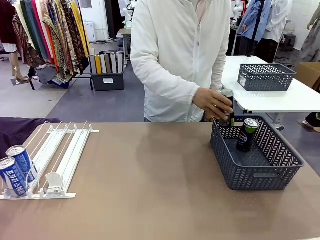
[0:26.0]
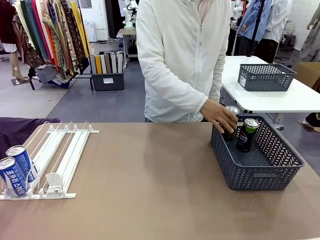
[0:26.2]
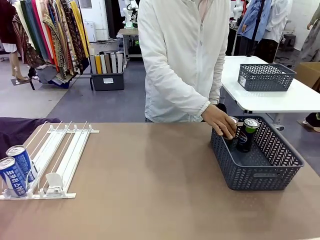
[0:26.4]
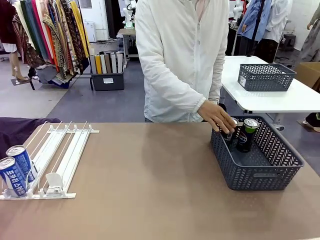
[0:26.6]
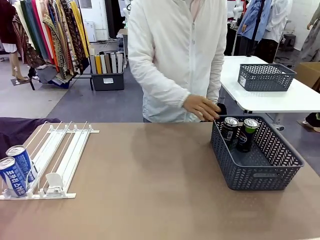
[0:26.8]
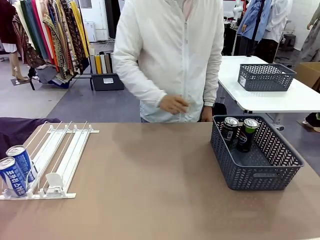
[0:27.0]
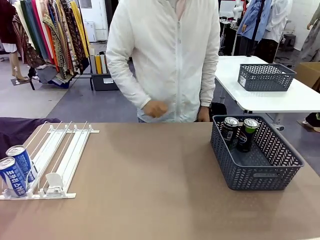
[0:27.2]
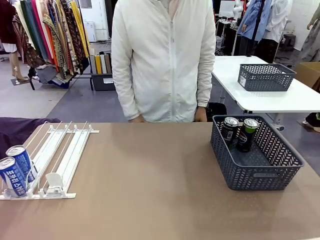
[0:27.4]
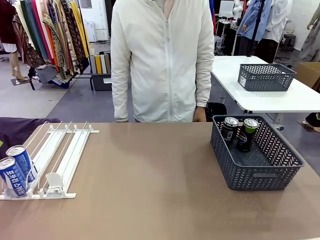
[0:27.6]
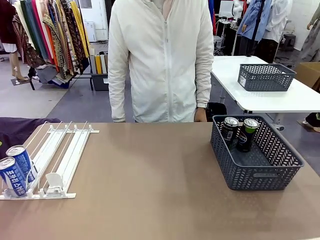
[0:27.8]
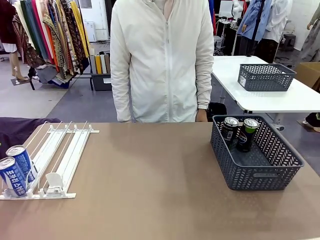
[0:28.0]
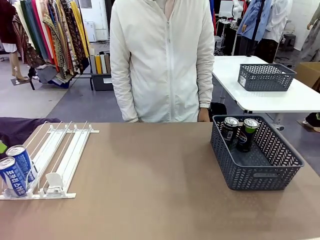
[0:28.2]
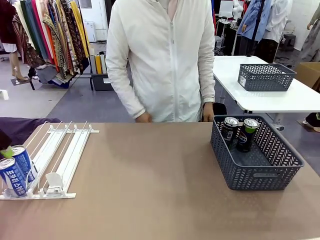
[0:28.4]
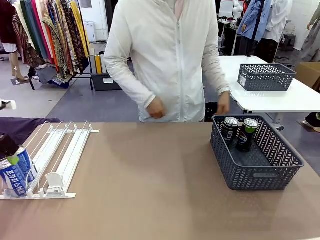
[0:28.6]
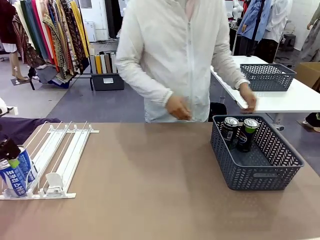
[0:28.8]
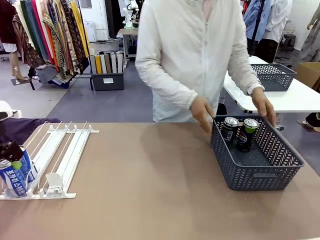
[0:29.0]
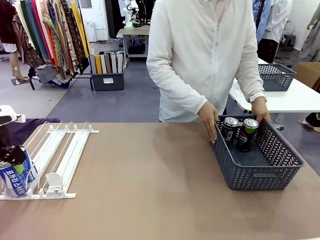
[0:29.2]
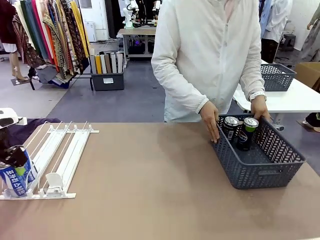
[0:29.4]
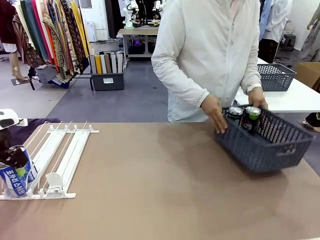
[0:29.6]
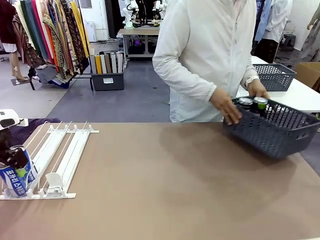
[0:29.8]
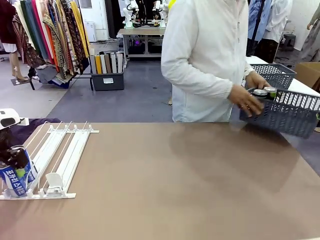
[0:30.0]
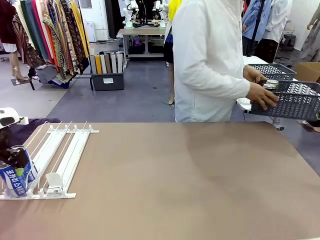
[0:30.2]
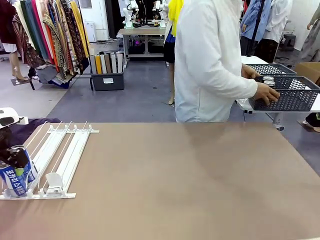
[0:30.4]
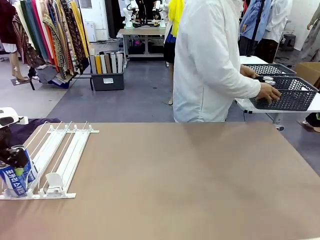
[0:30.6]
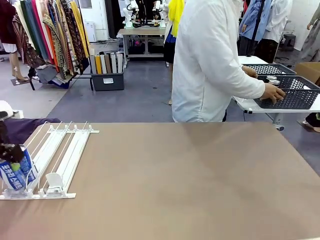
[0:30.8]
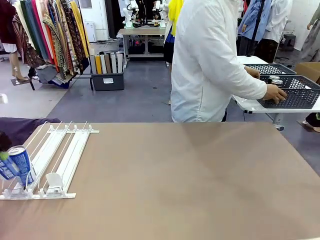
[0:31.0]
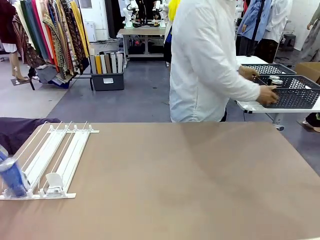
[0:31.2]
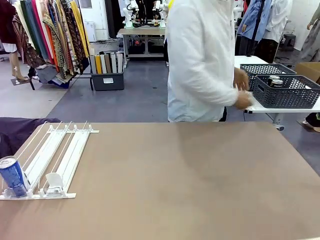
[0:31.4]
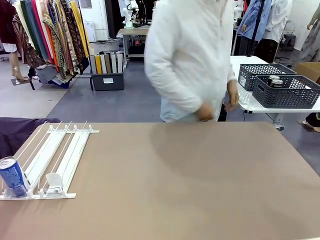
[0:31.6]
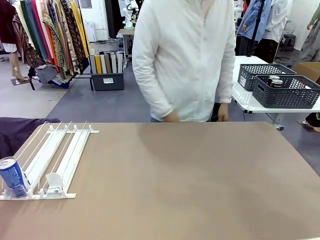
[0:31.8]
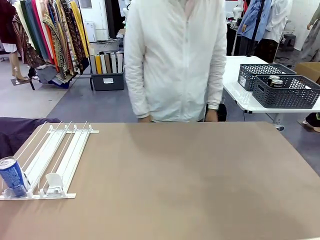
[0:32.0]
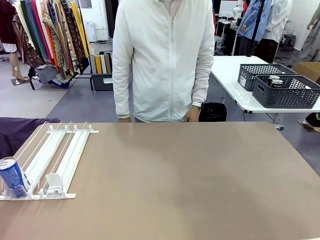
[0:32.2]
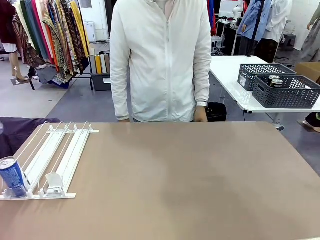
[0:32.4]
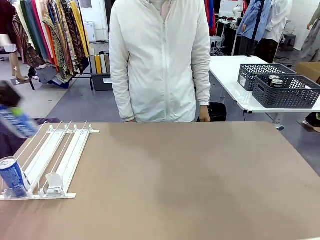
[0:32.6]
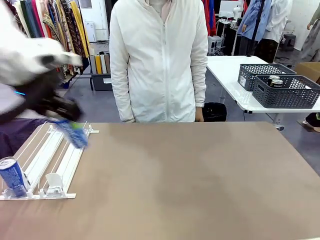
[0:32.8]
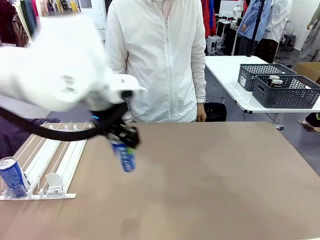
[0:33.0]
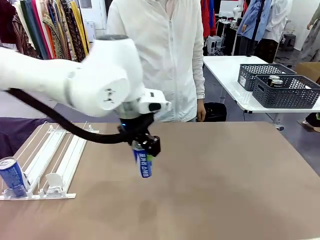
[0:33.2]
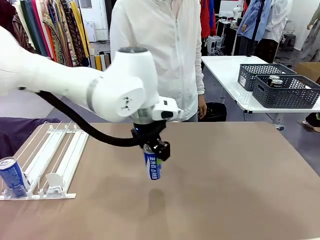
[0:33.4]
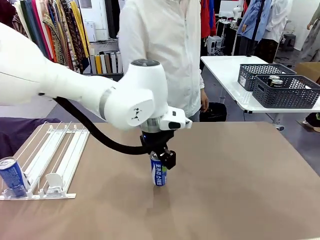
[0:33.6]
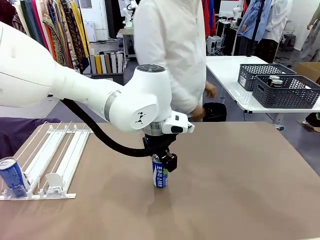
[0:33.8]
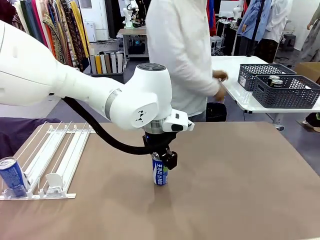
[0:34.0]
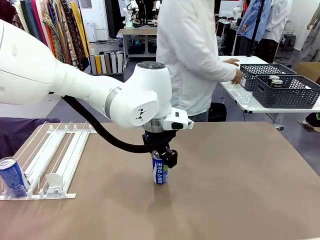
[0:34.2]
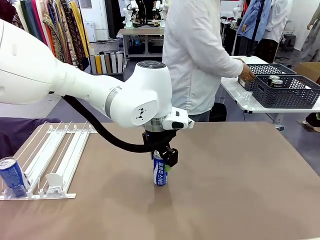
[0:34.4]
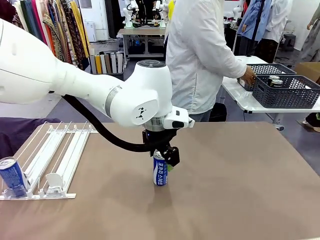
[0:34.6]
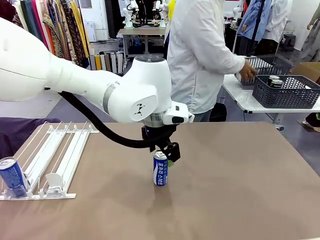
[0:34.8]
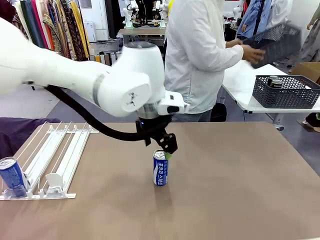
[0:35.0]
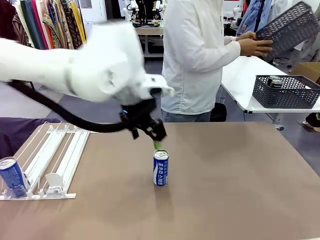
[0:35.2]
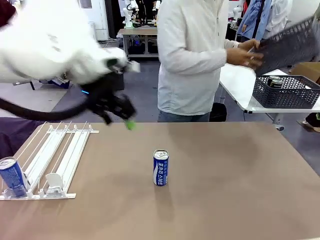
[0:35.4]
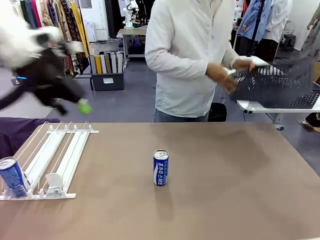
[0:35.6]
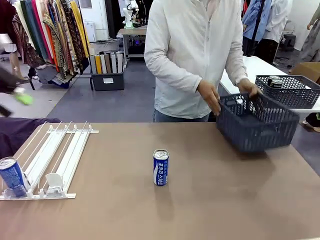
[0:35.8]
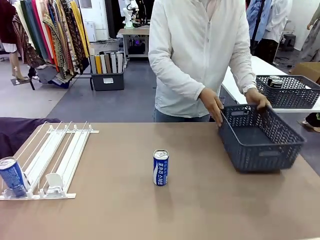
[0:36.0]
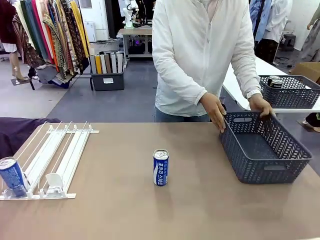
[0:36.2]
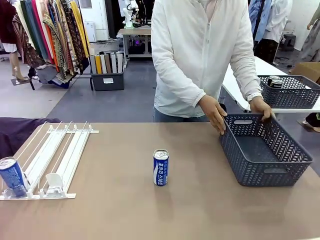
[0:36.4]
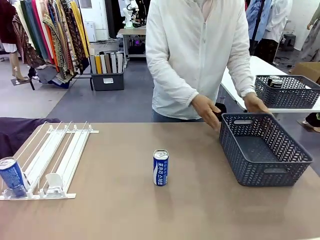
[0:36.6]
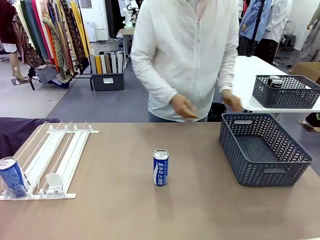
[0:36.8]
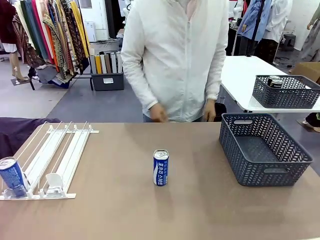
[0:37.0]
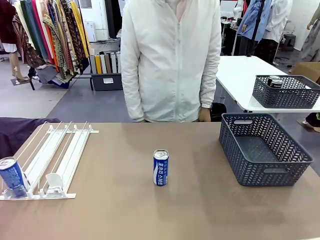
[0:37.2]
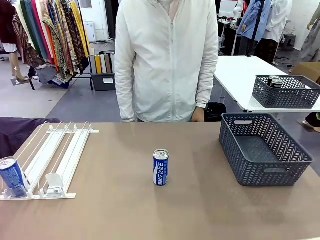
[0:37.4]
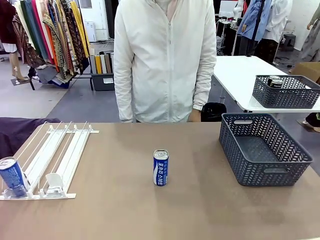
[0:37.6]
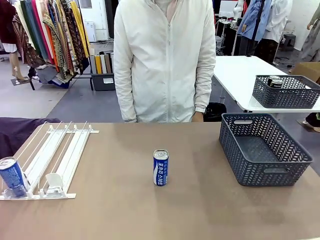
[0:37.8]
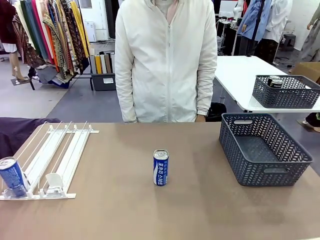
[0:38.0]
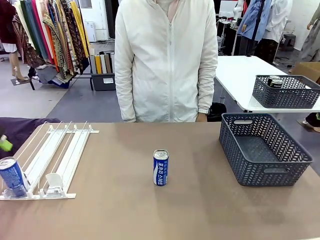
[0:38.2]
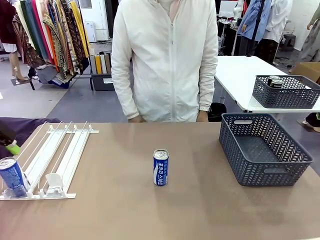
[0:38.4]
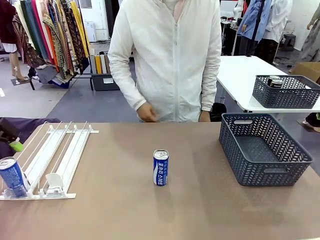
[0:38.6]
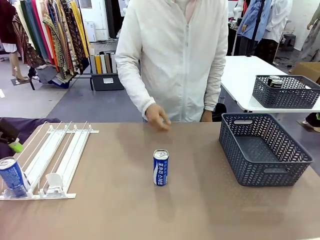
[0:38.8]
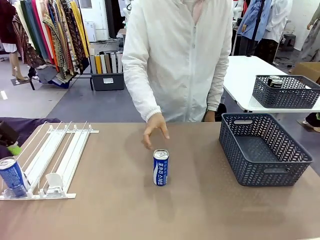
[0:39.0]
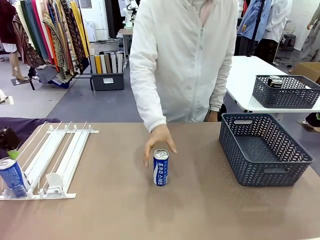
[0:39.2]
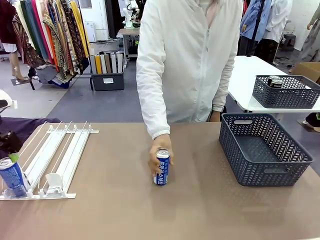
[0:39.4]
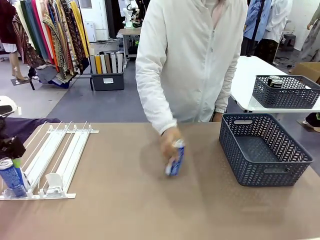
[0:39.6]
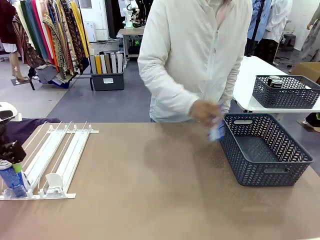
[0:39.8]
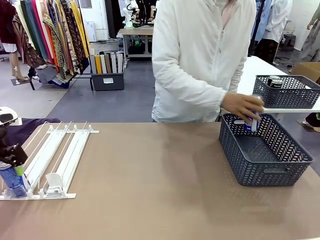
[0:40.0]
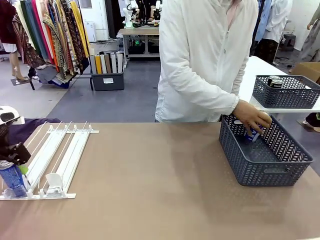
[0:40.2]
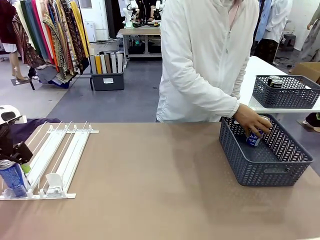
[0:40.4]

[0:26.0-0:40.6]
Task: Retrieve and store the cans from the dispenser.
Robot: Pick up one can from the Automatic Can Dispenser and place it in the middle of the table.
Person: Pick up the basket and place it in the middle of the human table. Pick up the empty basket and place it on the left side of the robot table.

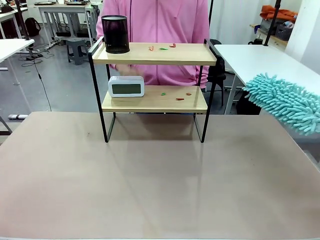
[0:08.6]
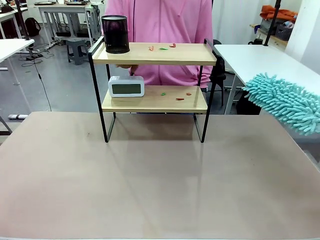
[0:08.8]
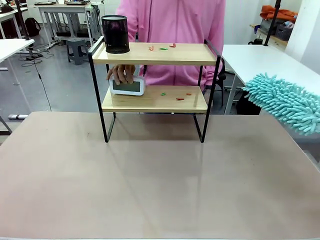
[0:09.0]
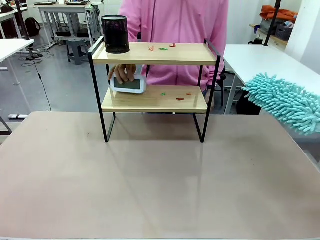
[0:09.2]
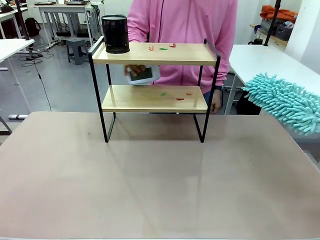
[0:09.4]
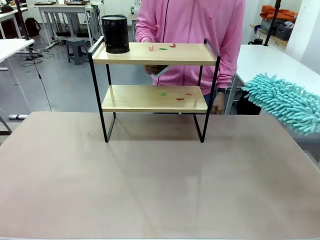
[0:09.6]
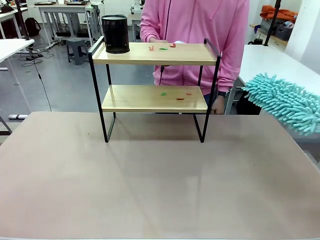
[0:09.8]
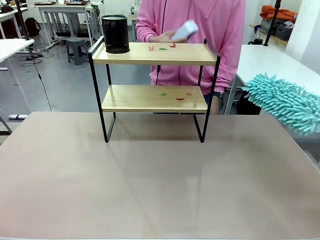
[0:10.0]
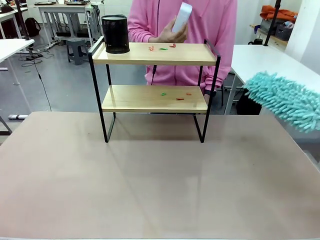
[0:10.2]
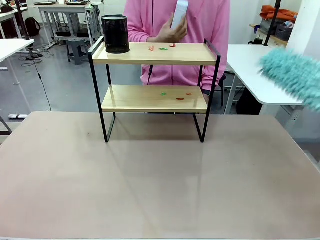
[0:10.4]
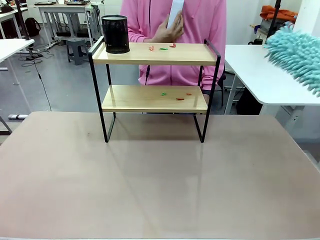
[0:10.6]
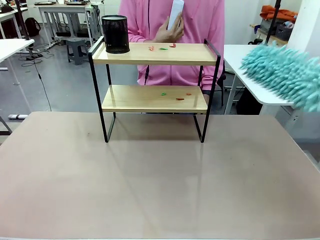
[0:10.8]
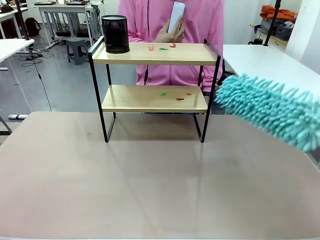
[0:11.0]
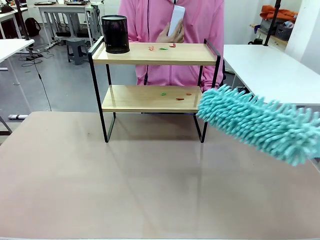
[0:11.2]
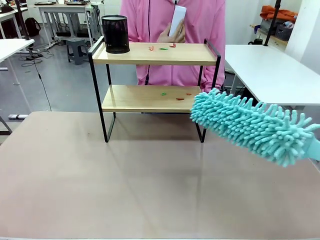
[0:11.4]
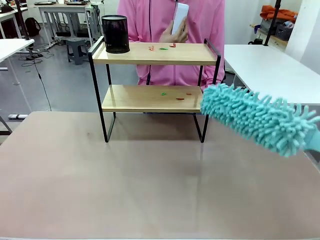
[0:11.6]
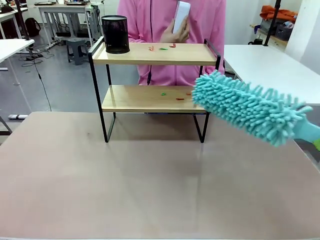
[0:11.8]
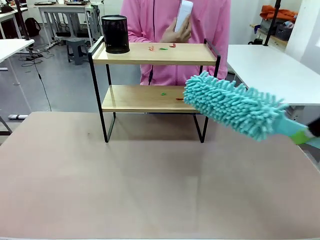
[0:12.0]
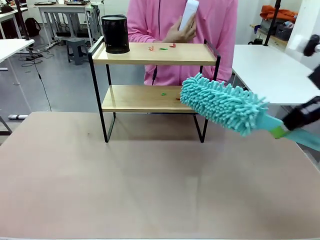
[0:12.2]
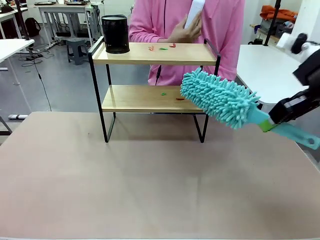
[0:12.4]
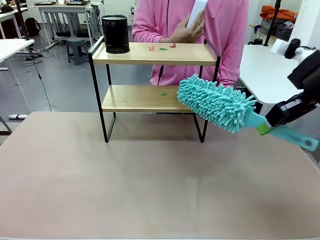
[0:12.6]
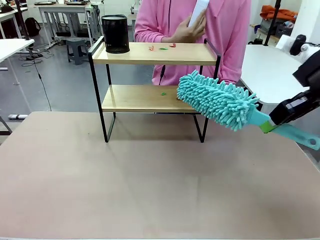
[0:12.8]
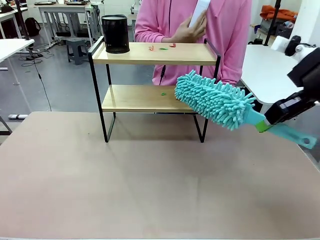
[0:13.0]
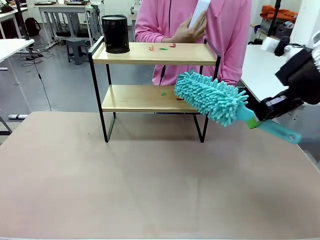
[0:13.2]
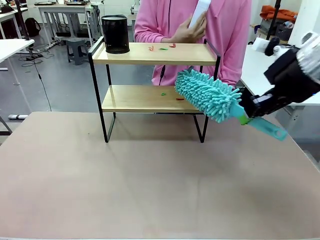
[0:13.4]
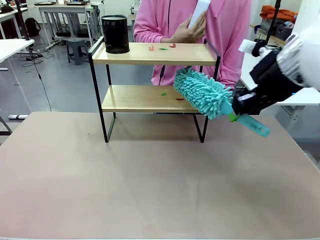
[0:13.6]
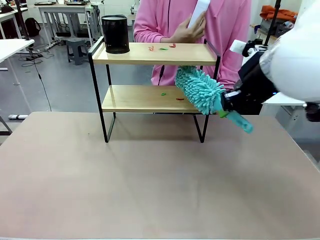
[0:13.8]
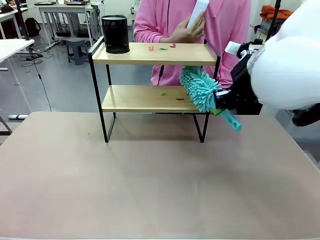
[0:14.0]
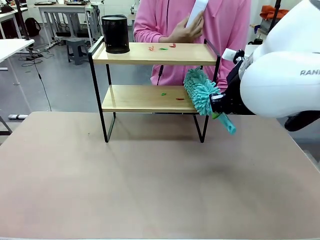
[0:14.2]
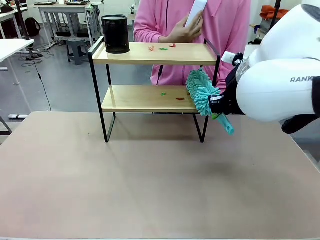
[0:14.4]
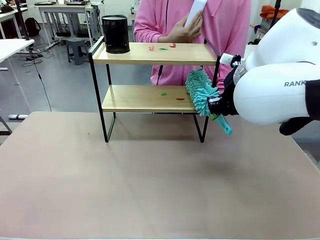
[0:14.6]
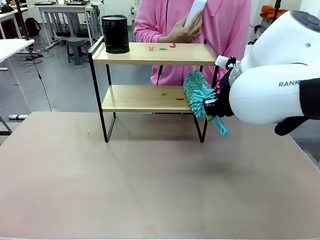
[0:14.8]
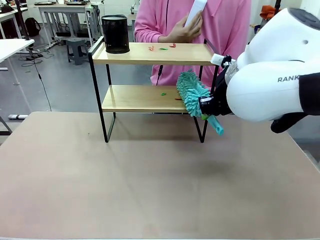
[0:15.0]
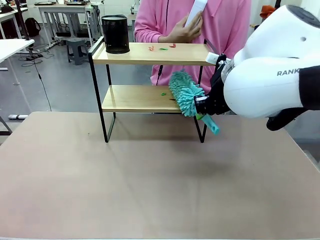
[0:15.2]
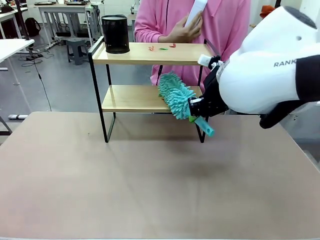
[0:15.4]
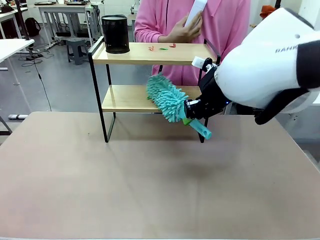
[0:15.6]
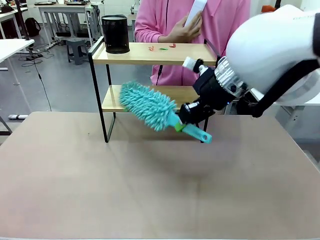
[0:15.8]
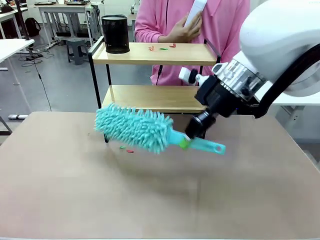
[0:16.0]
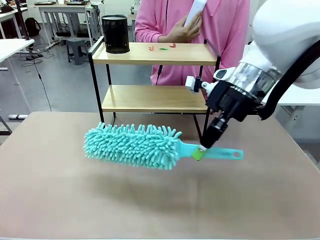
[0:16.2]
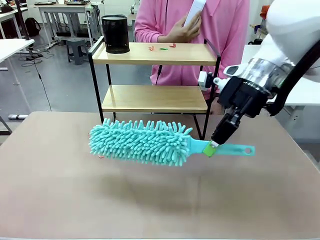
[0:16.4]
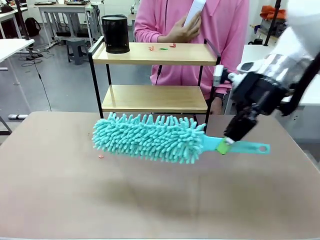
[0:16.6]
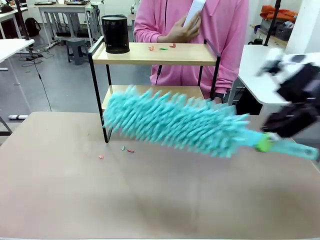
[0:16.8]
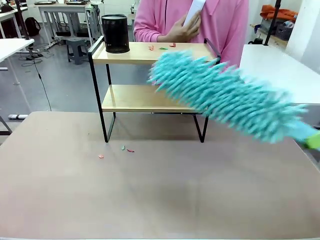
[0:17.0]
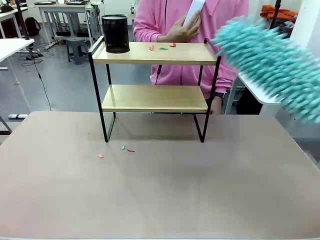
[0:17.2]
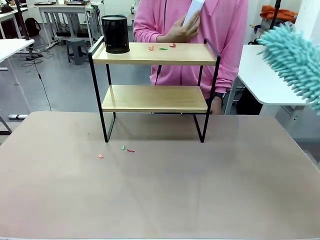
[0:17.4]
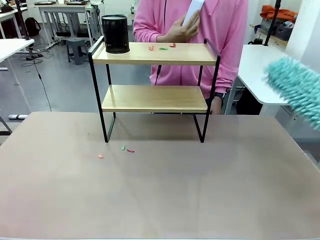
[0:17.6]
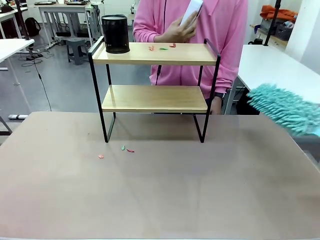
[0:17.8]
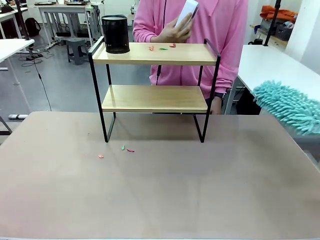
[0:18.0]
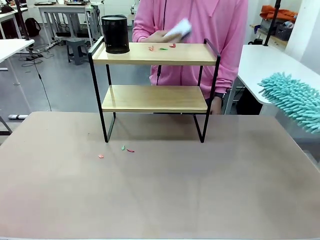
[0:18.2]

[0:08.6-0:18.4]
Task: Clean the shelf.
Robot: Clean the specific tier of the Shelf with the Duster once objects are removed.
Person: Lift the objects on a randomly selected tier of the Shelf. Once the robot finishes cleaning, lift the objects on the remaining tiers of the Shelf.
